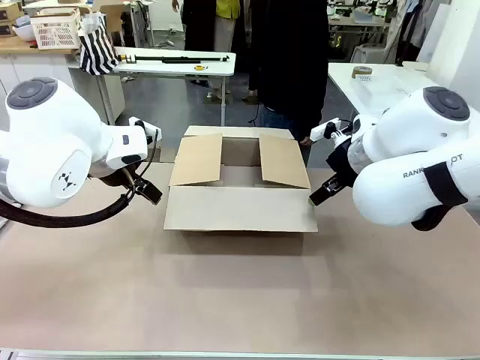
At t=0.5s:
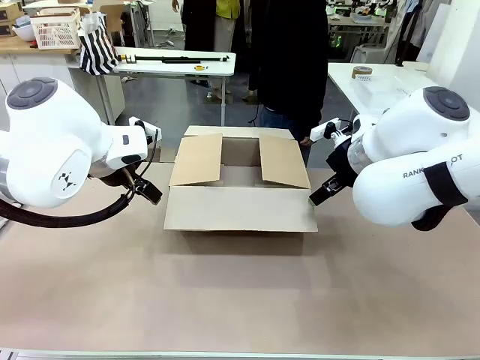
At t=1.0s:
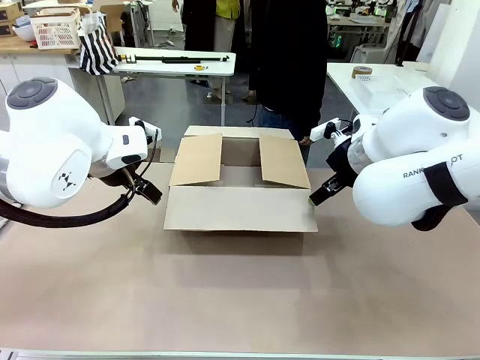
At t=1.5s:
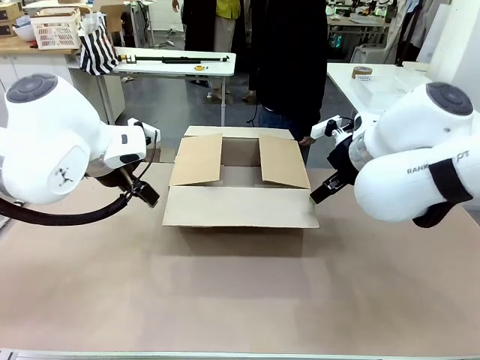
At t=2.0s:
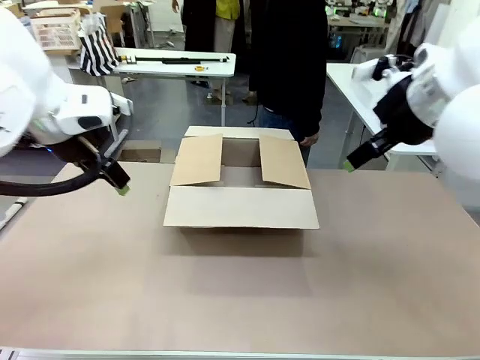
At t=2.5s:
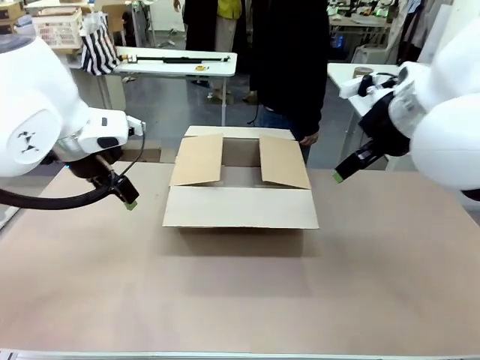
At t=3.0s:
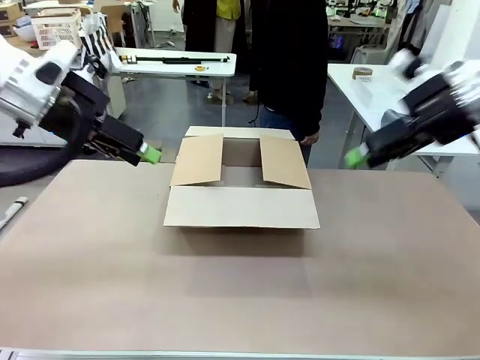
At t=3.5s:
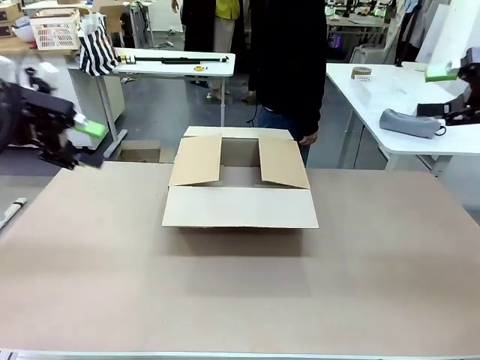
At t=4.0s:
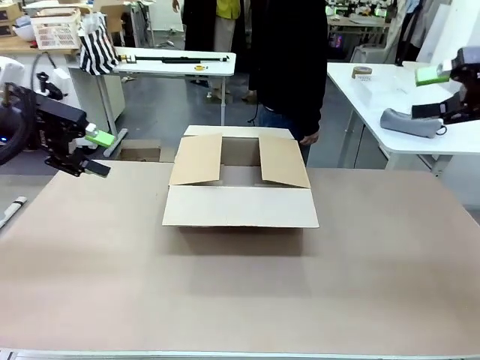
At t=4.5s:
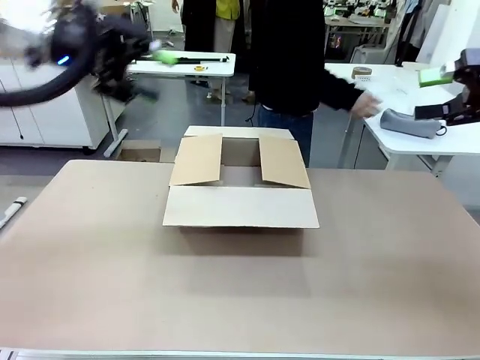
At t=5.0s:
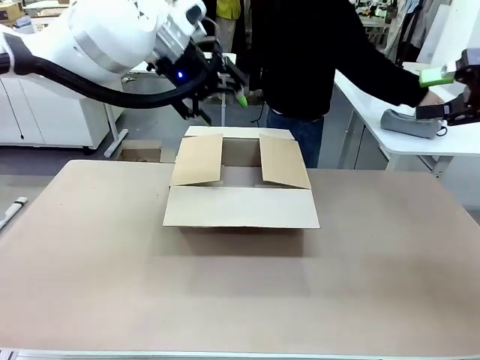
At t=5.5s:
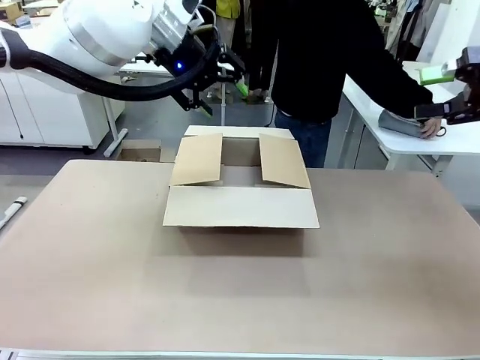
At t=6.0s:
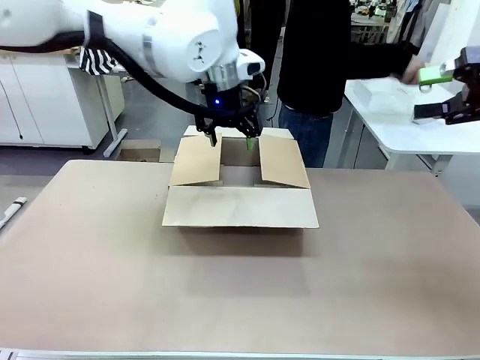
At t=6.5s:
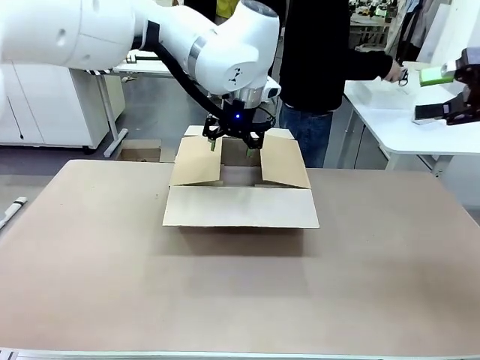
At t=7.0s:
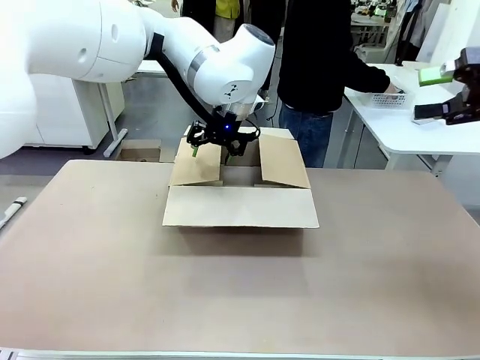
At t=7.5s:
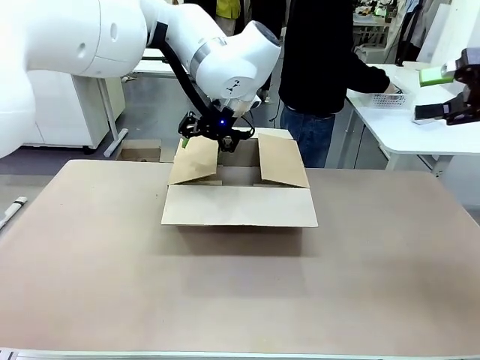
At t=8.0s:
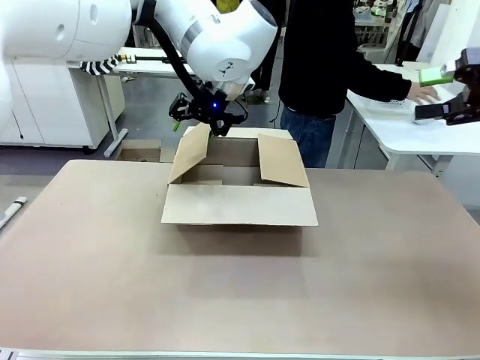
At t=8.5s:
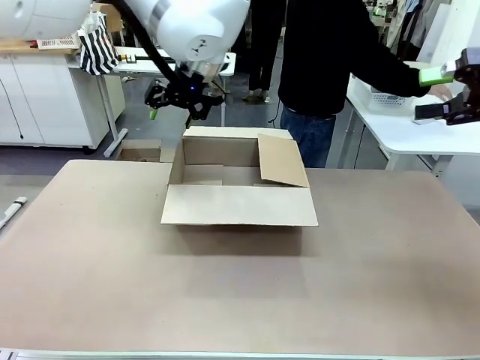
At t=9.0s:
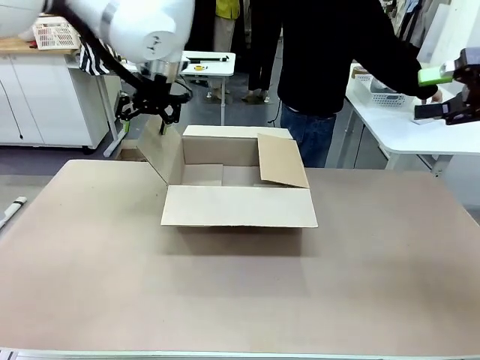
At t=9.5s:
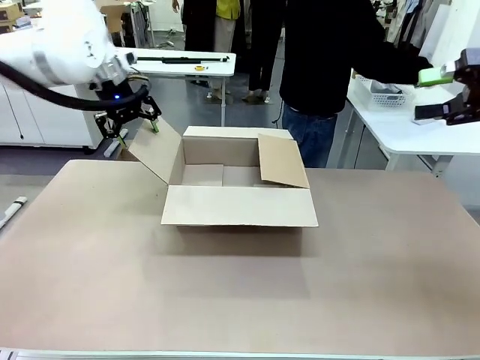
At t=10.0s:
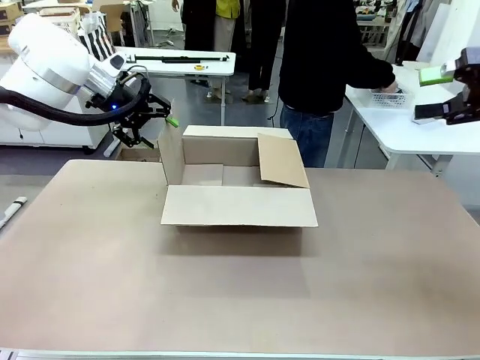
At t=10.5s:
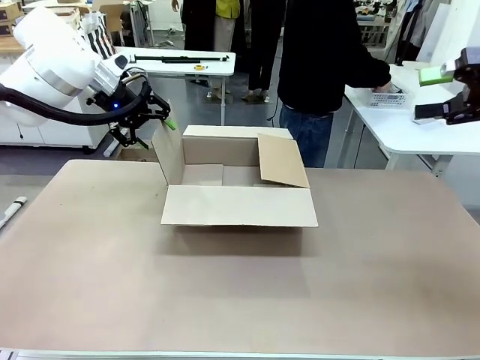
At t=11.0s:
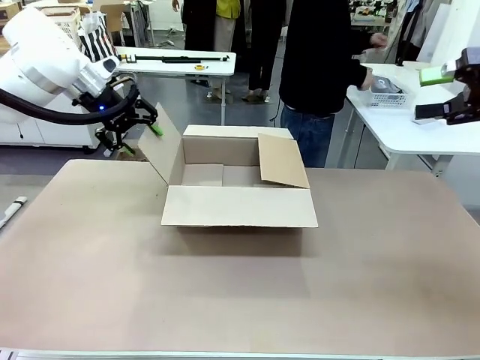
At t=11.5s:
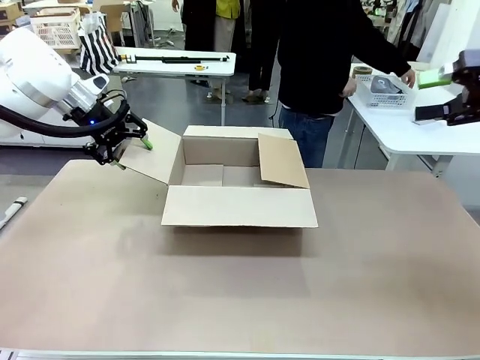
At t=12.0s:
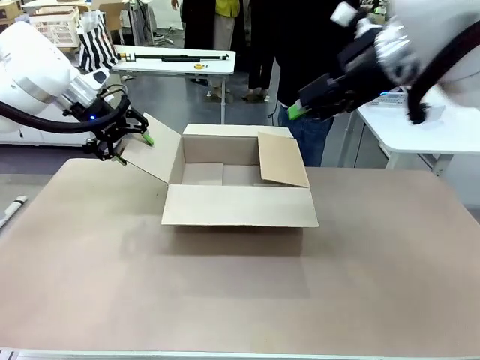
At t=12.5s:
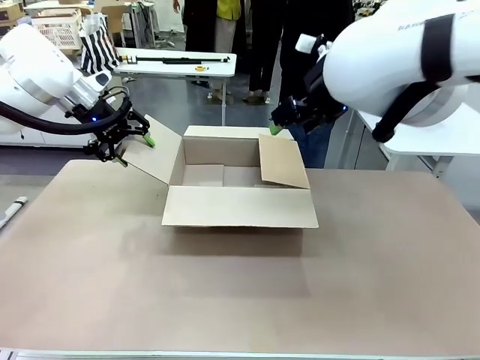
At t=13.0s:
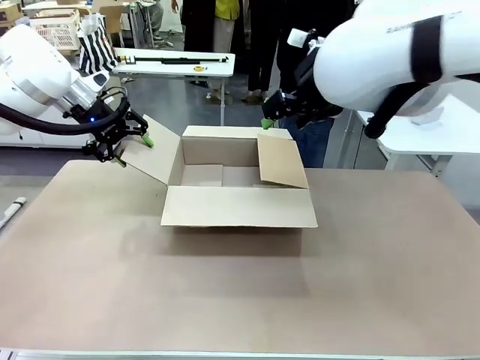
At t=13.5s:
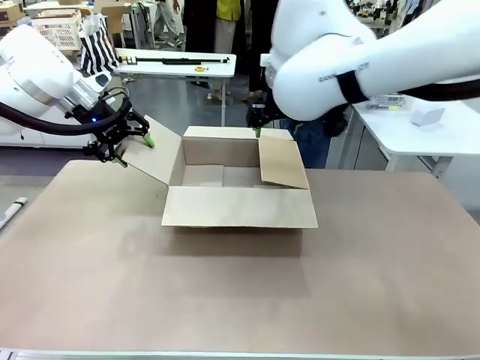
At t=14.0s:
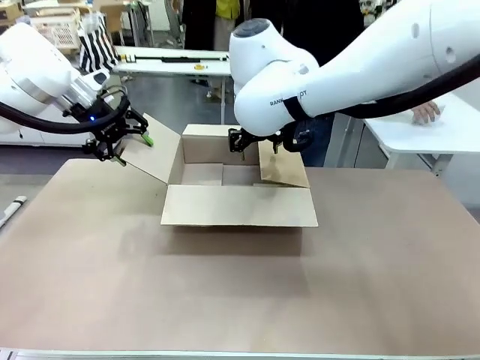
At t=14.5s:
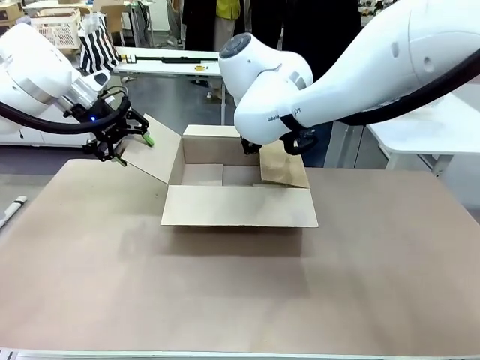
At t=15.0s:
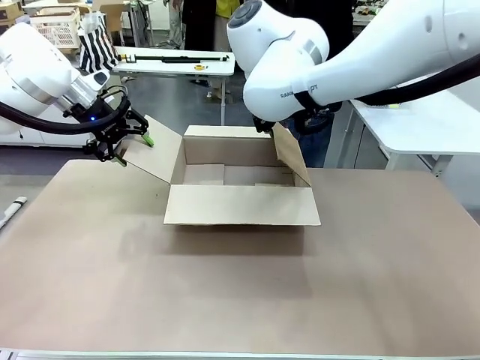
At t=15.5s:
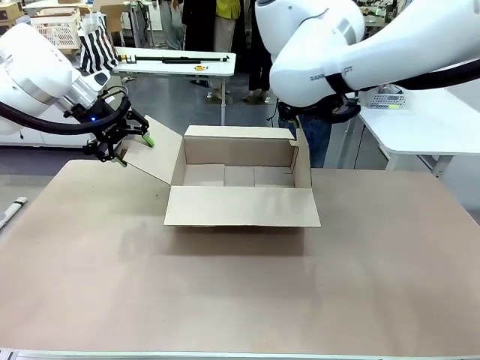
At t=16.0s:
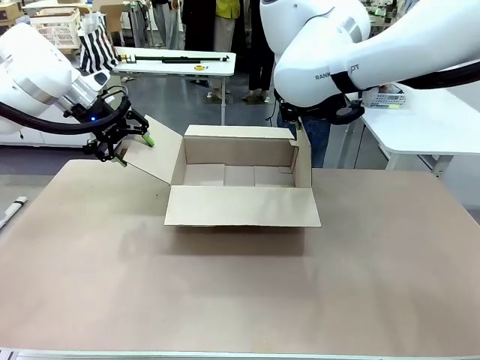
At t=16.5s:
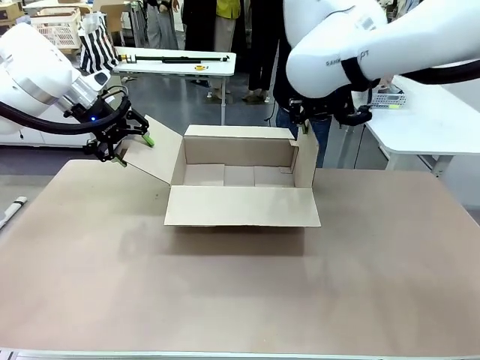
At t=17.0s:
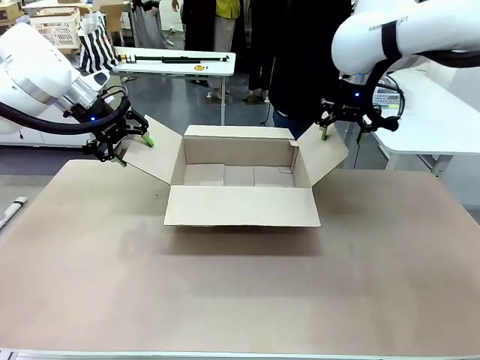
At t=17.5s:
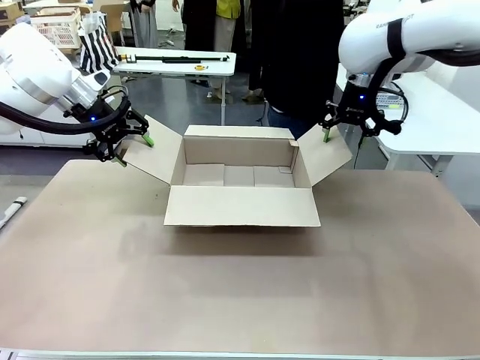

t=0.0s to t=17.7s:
Task: Pack the gift set into the box.
Robot: Place both hands on the side flaps of the Package Box and spread them outward.
Person: The human places all items except the paper tape into the organizing basket.

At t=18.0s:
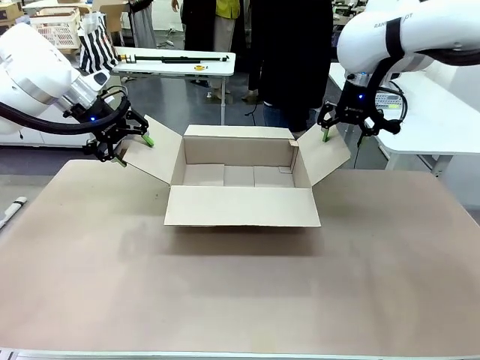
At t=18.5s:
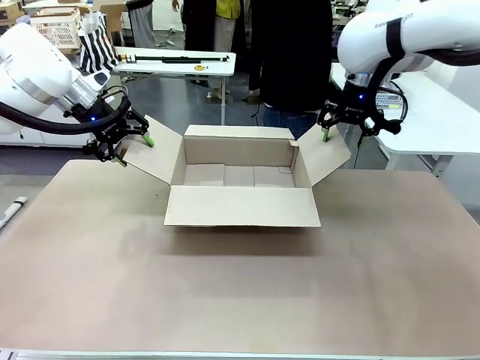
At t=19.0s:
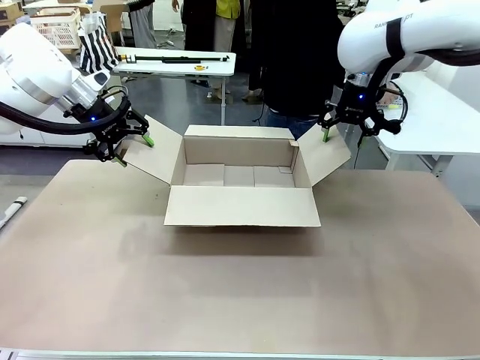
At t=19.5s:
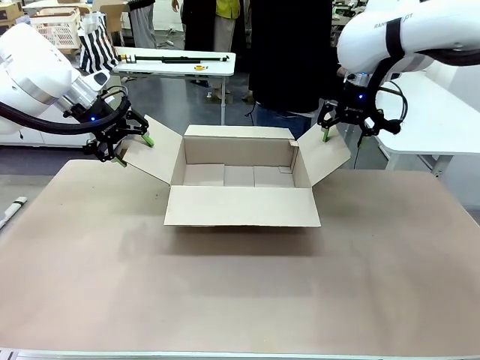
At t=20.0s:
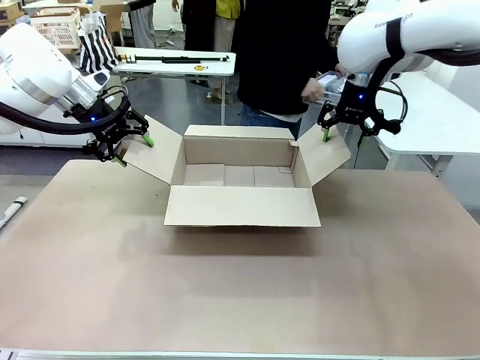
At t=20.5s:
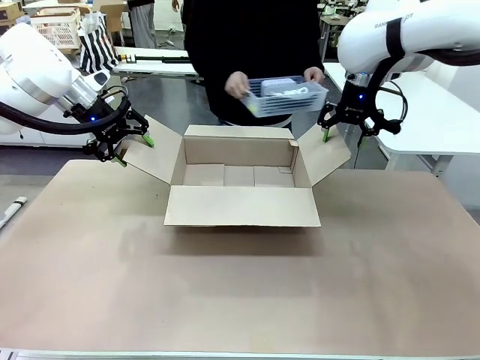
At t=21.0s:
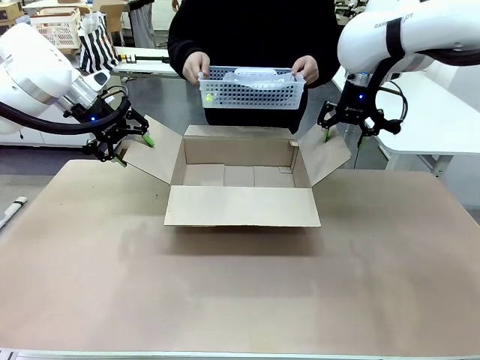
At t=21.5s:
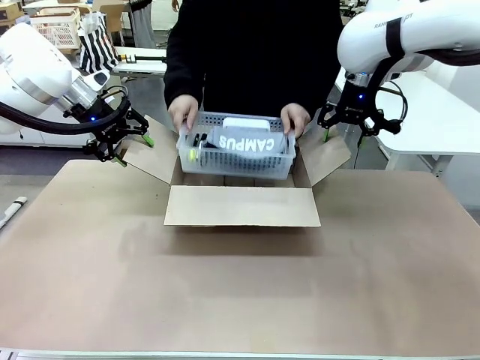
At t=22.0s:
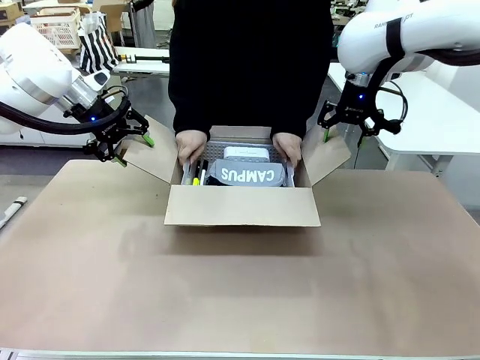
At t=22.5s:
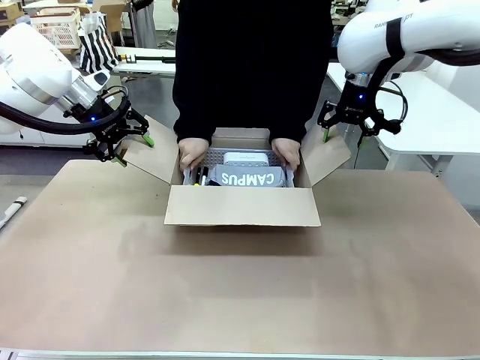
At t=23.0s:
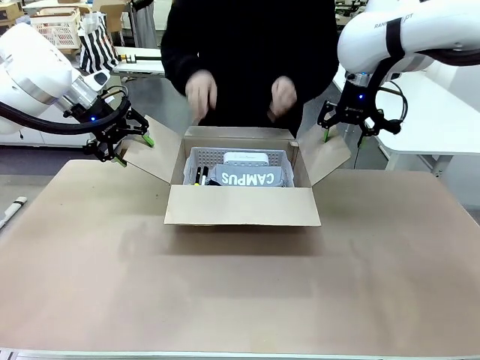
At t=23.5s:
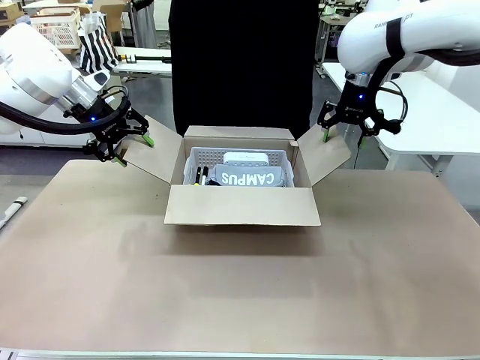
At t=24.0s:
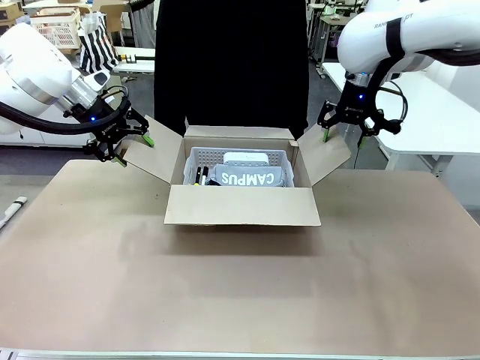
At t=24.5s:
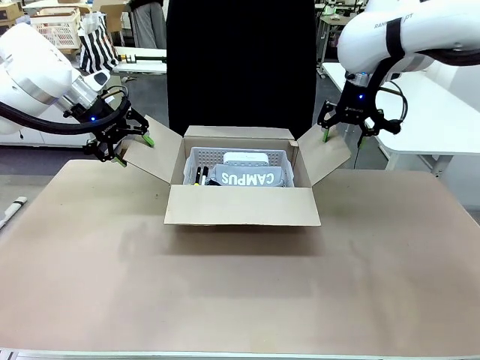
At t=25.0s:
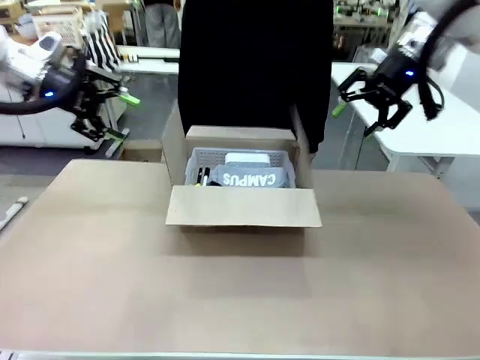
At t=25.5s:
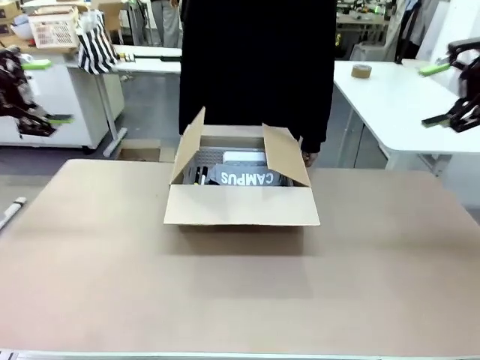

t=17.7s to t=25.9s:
Robot: Lift both hands away from the flaps of the Package Box.
Person: The human picks up the organizing basket and places the organizing basket into the package box on the robot table.
